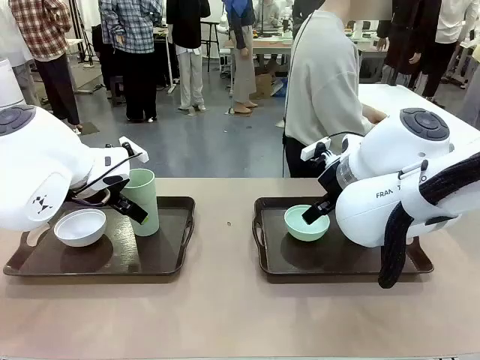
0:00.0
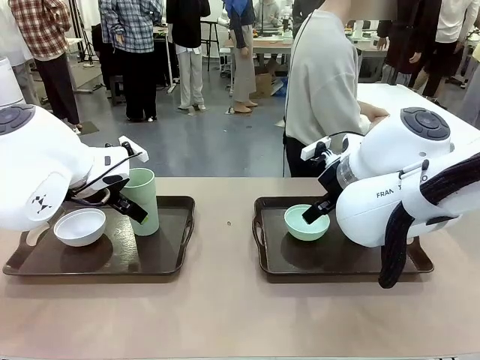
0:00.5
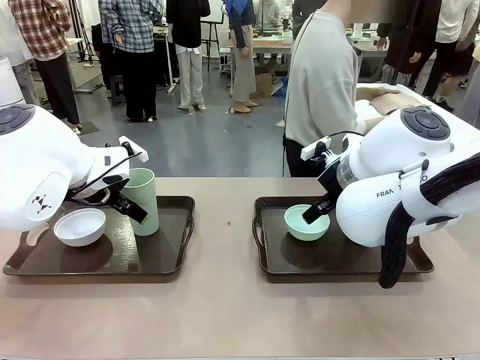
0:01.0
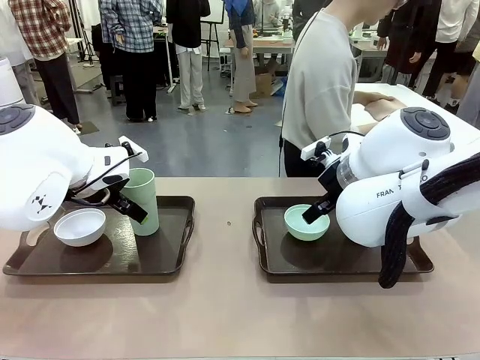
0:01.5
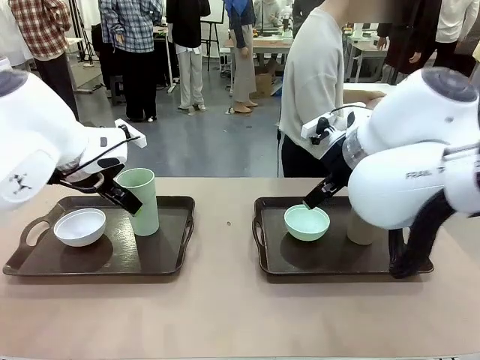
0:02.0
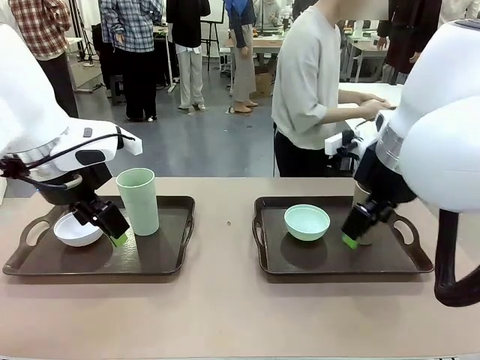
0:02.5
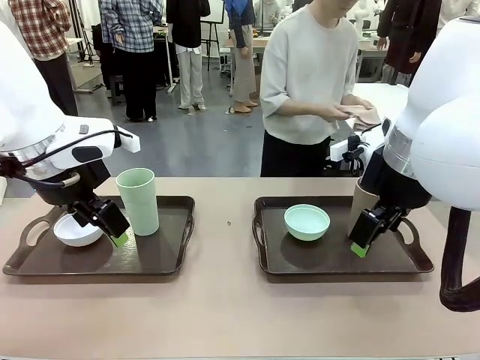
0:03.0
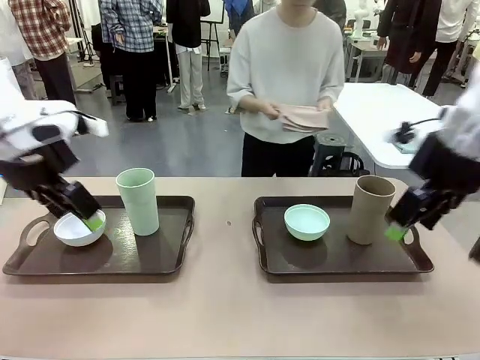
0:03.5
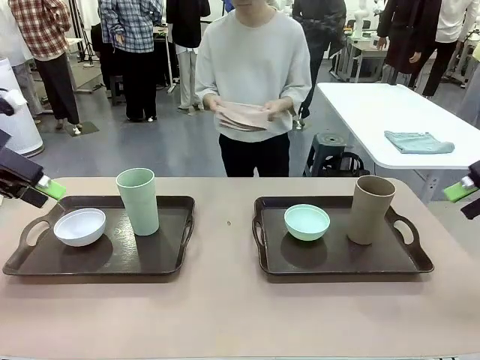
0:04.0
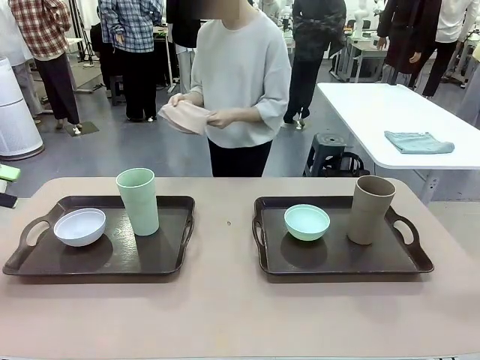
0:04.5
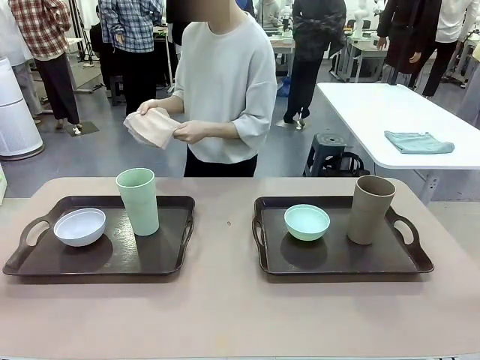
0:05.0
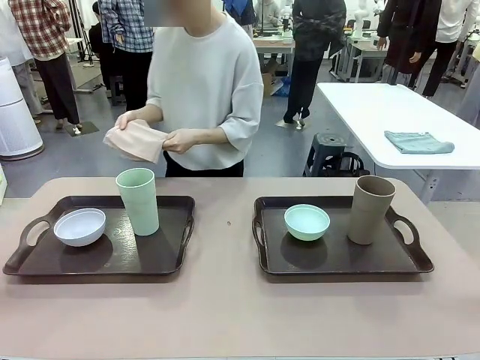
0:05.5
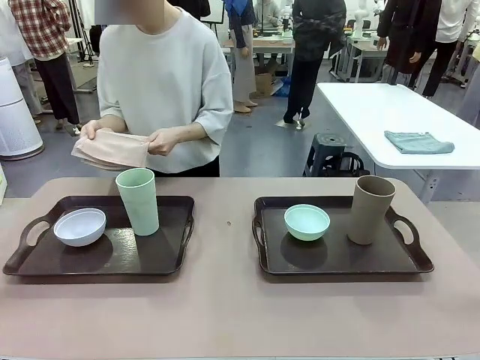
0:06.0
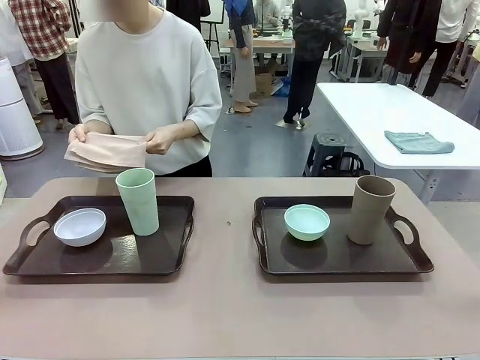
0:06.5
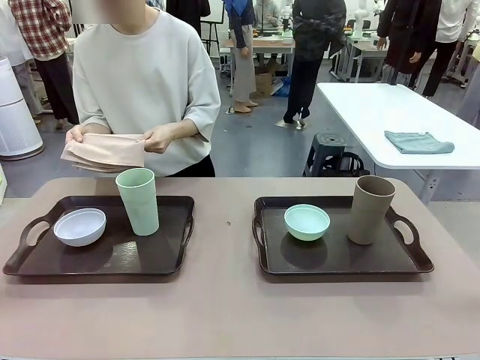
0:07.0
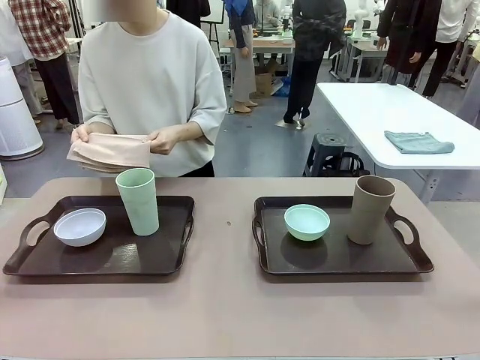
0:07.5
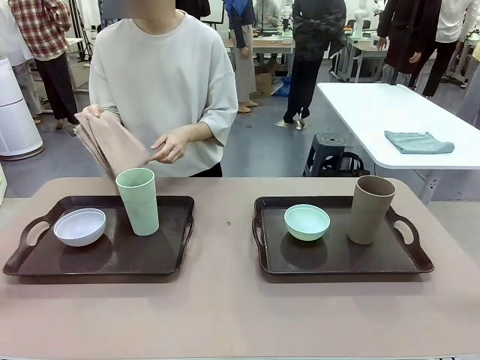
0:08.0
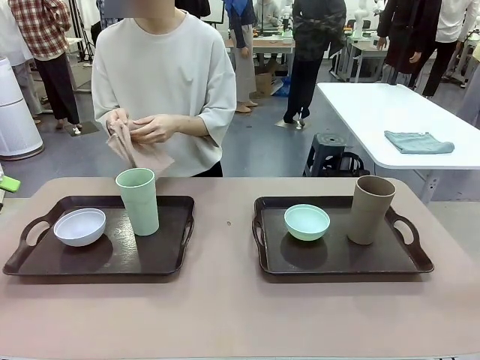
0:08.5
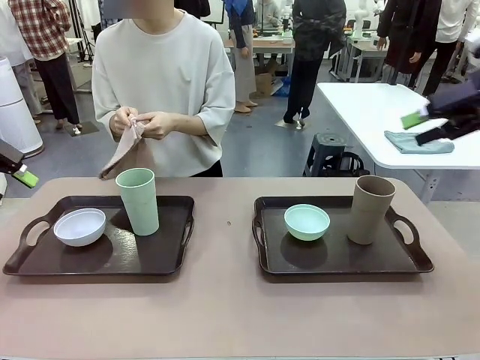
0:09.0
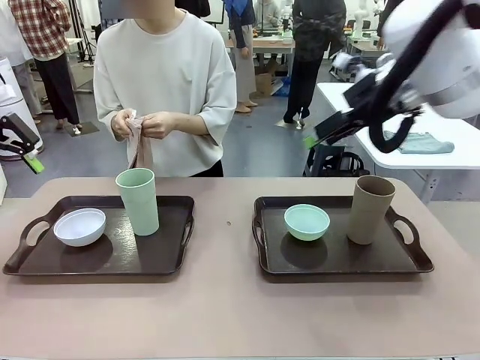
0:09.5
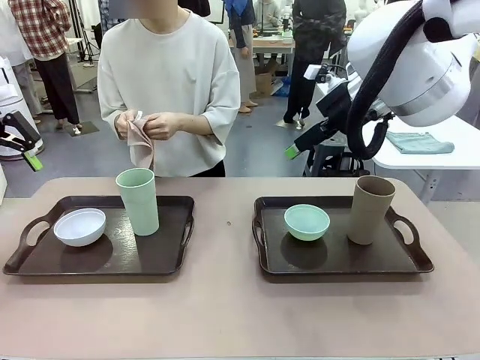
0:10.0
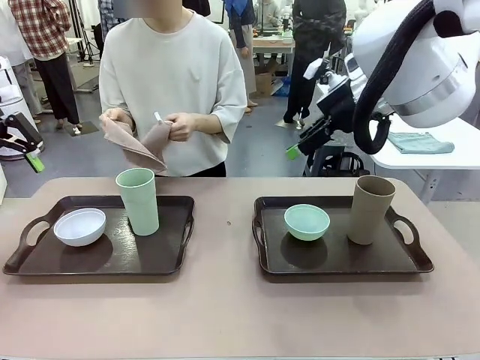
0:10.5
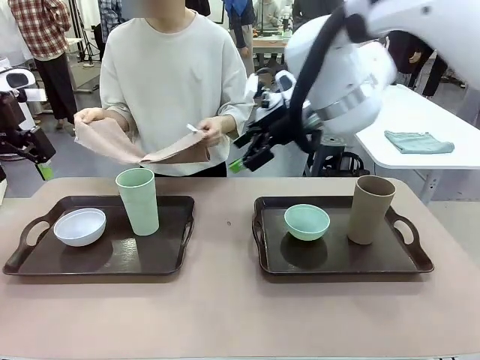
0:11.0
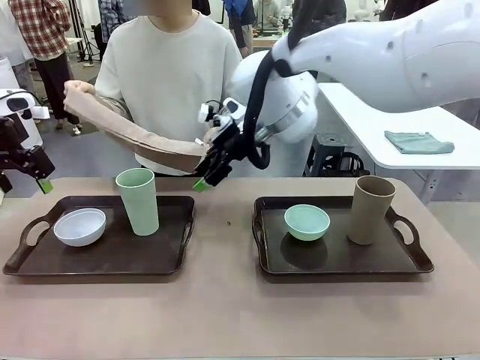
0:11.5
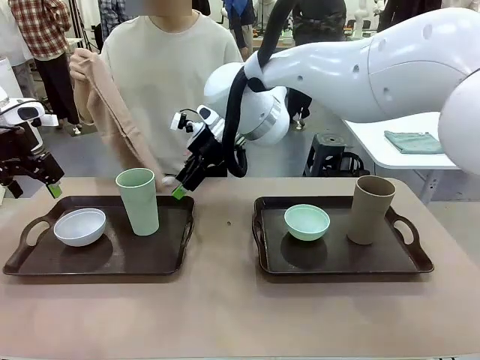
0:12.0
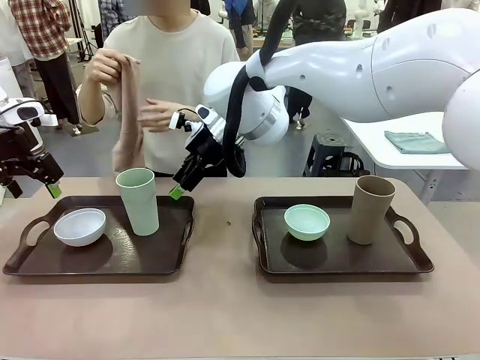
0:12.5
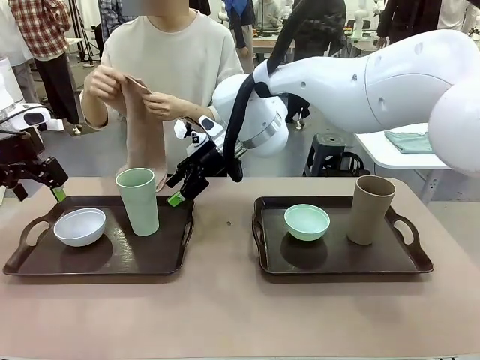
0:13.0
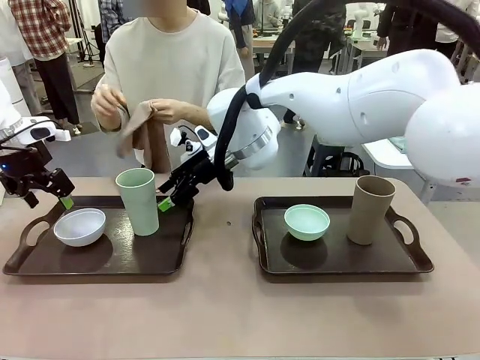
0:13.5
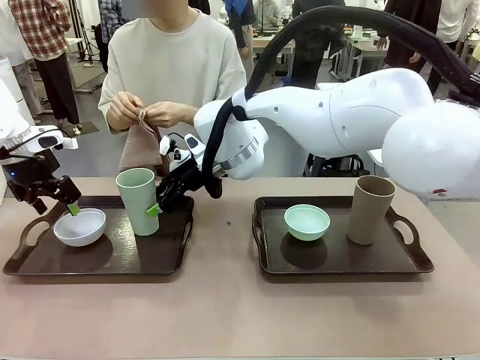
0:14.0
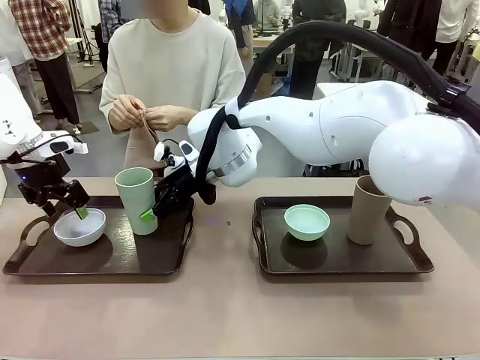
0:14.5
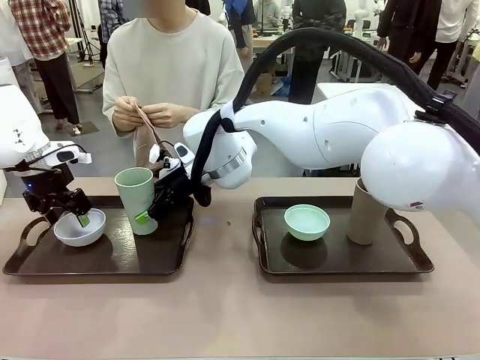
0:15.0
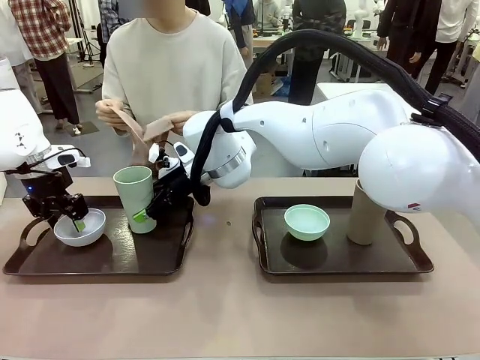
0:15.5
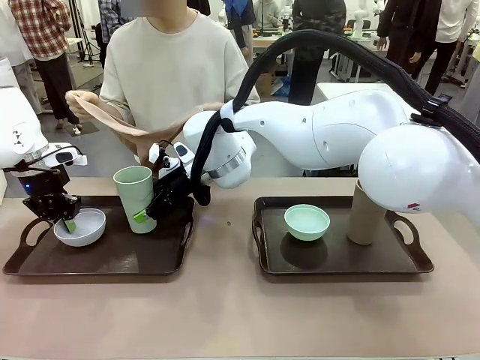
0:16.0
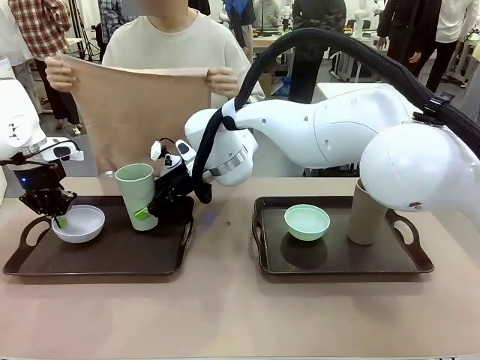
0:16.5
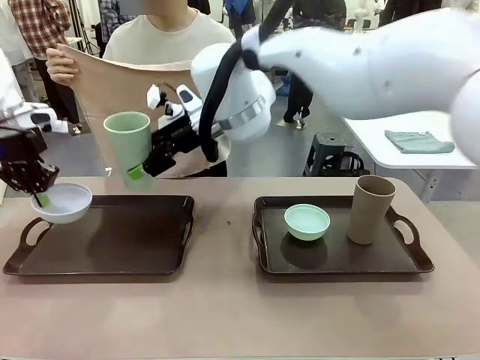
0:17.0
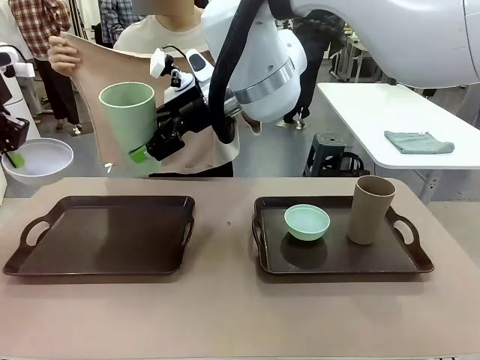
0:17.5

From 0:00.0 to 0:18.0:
Robot: Pick up the Picnic Bowl and Reusable plastic cup from the Handle tray in front of the human's position and hold them in the air.
Person: The human picks up the top napkin from the stack on the human table and walks to the robot table to stand in front of one of the two trays. When the robot lifts the bowl and the cup, the human unfolds the napkin and lays the napkin flat on the tray.

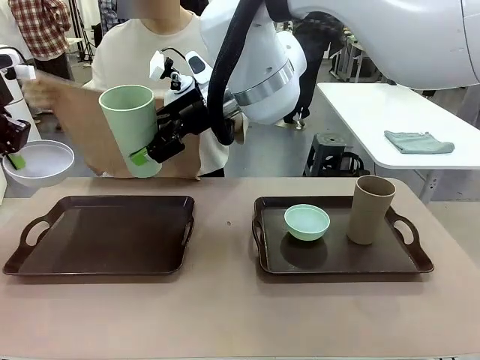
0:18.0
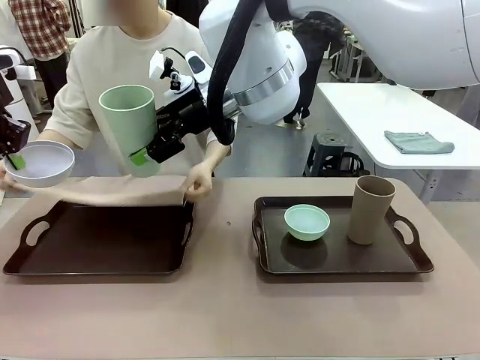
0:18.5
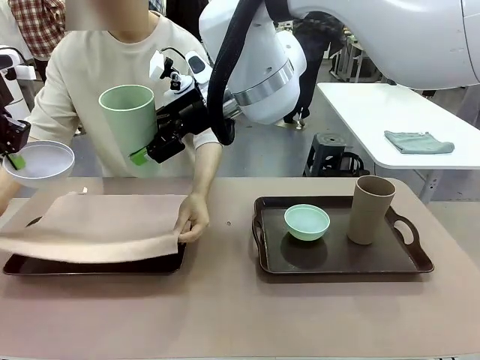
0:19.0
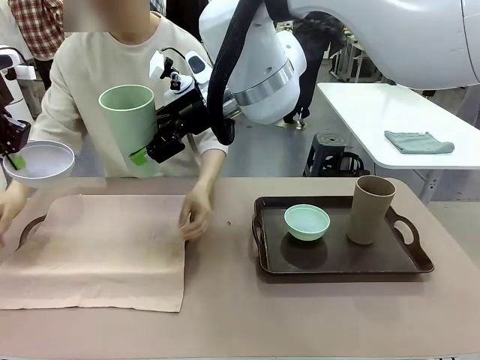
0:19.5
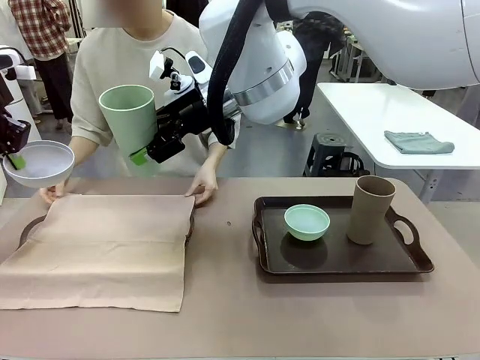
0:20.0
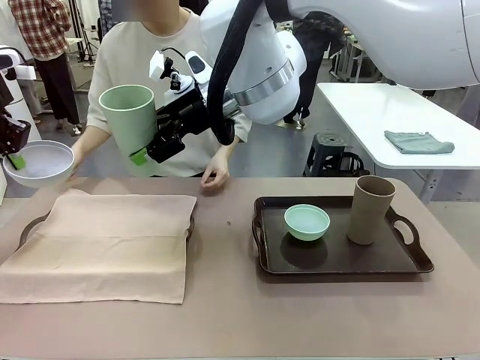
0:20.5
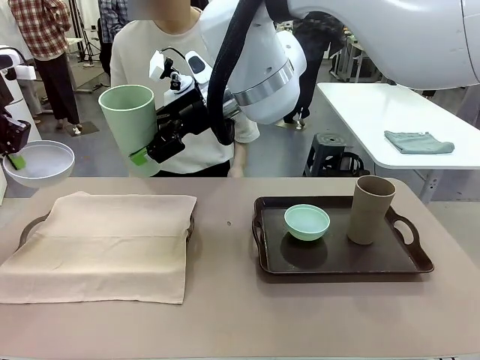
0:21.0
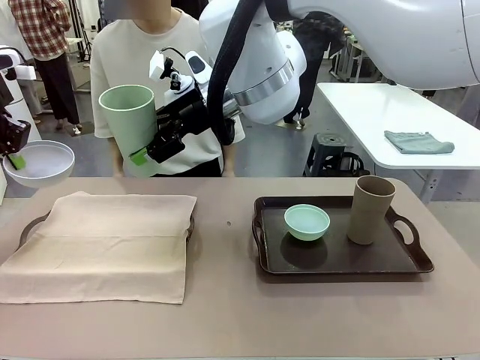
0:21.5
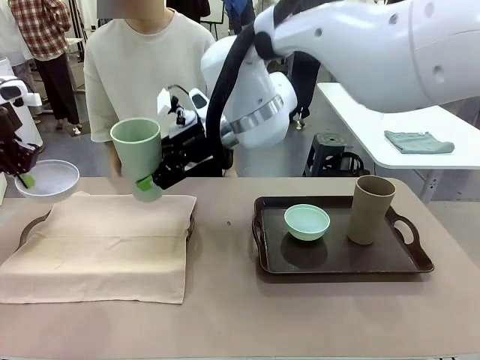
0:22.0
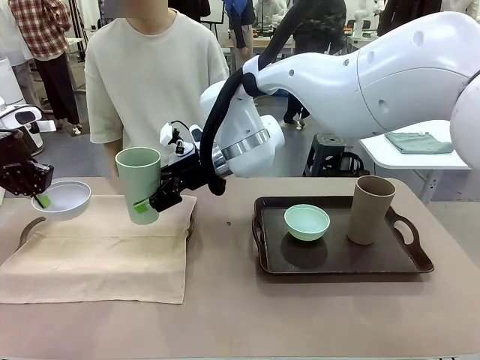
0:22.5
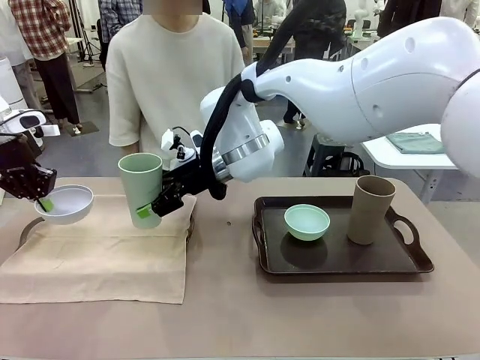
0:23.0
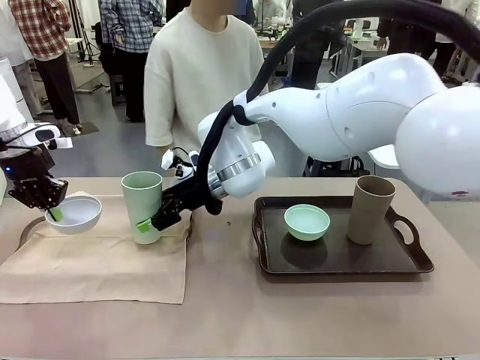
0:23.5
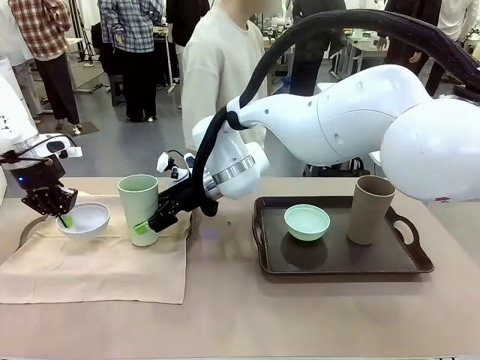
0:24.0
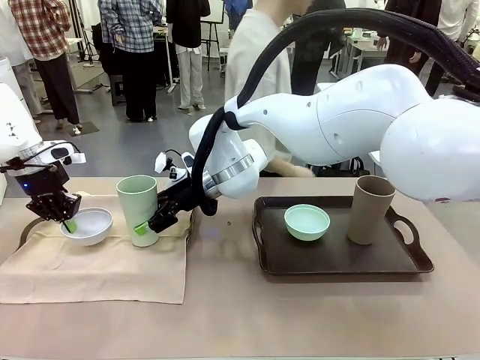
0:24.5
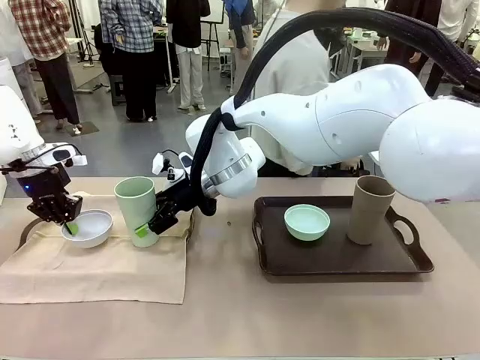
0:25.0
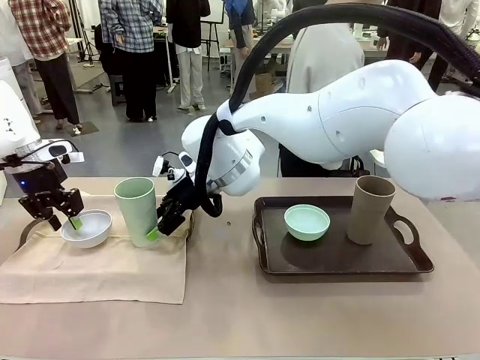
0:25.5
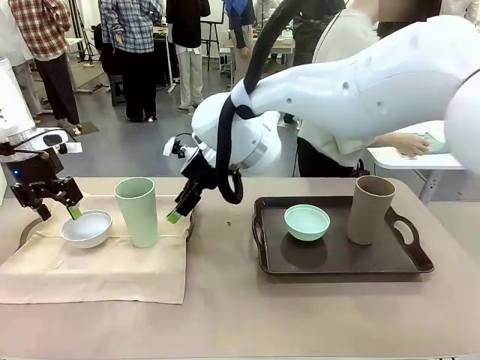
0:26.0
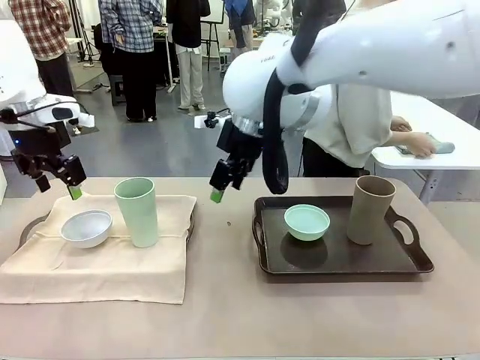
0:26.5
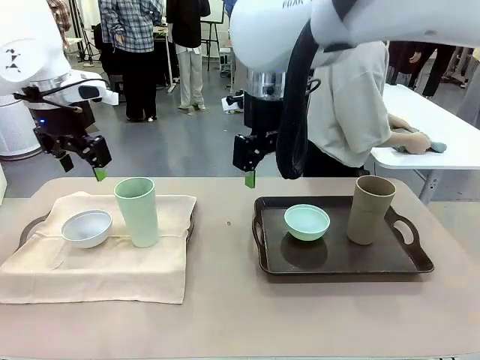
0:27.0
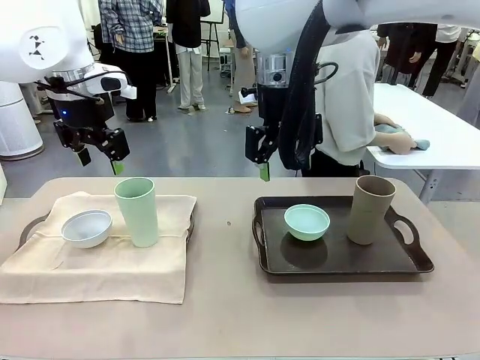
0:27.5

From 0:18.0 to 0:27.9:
Robot: Place the Picnic Bowl and Reusable plastic cup back onto the Handle tray in front of the human's position.
Person: The human returns to the human table to pick up another napkin and walks to the robot table to stand in front of the tray without a napkin.
